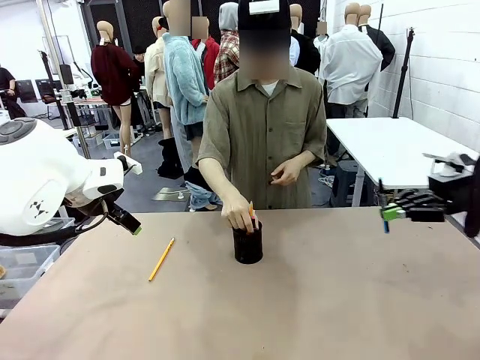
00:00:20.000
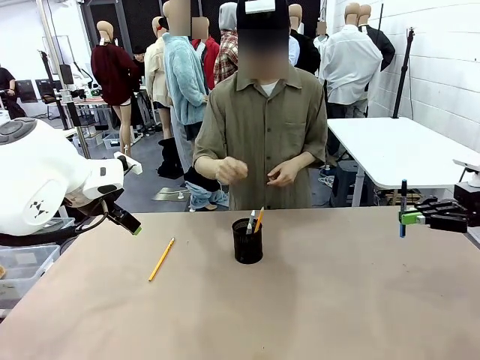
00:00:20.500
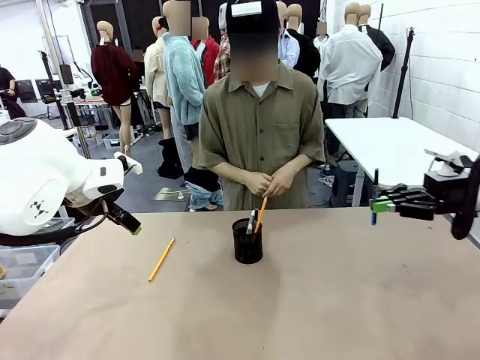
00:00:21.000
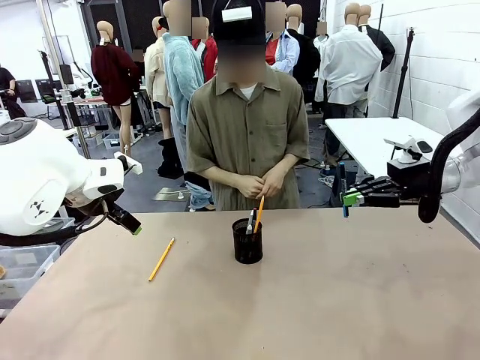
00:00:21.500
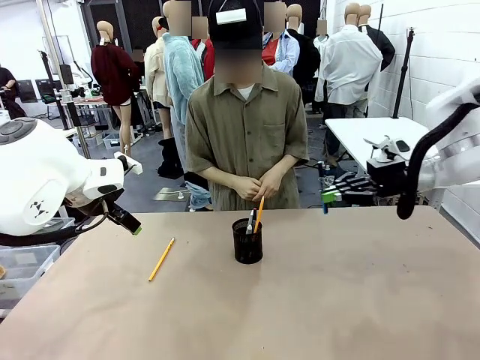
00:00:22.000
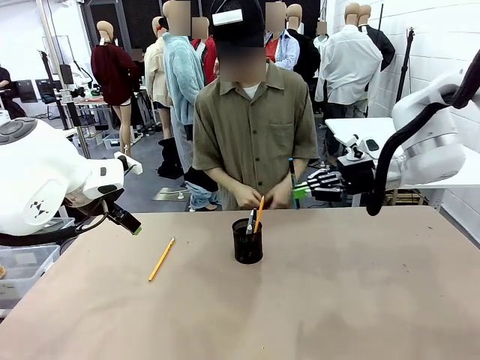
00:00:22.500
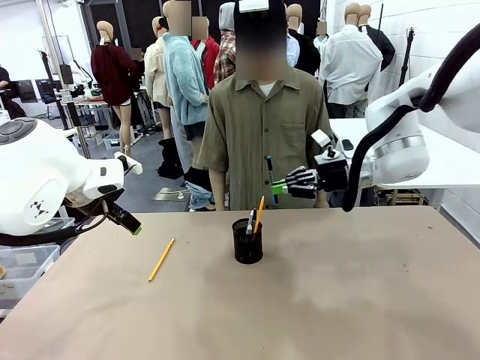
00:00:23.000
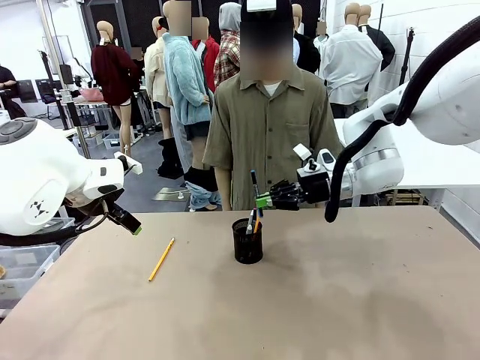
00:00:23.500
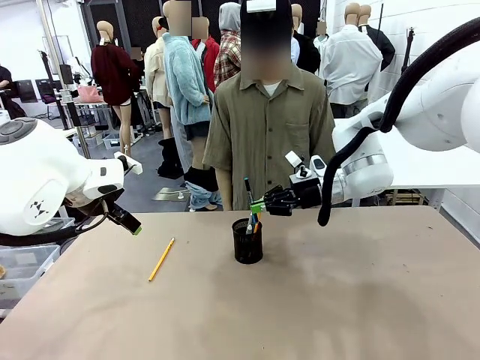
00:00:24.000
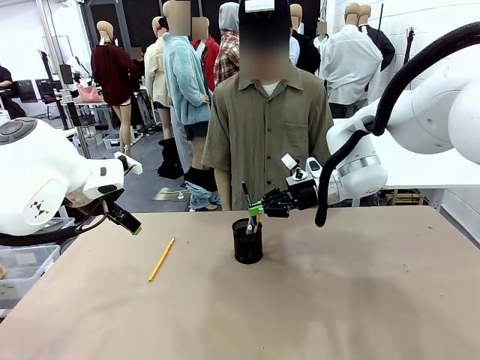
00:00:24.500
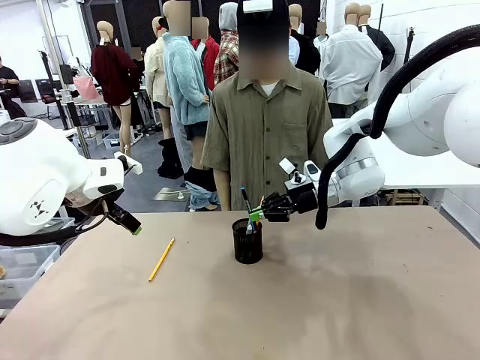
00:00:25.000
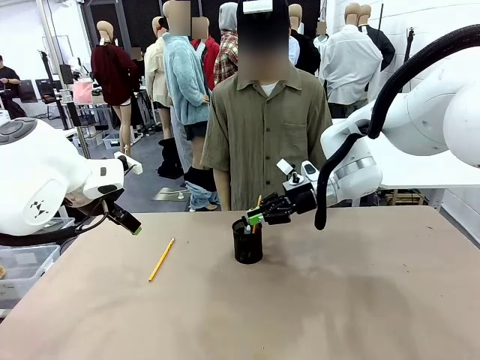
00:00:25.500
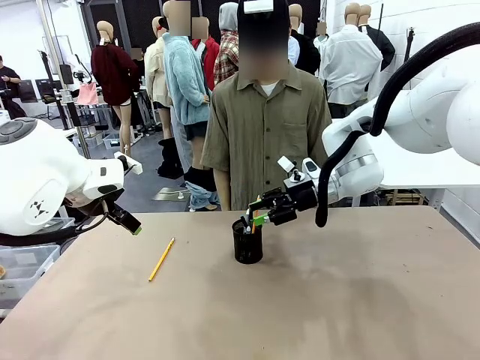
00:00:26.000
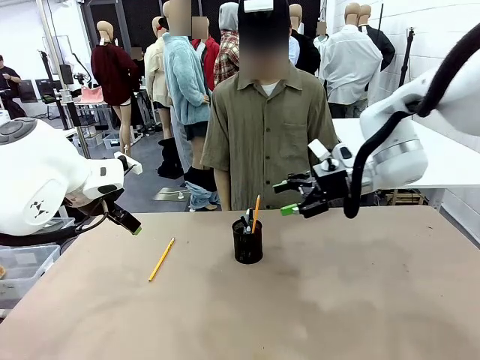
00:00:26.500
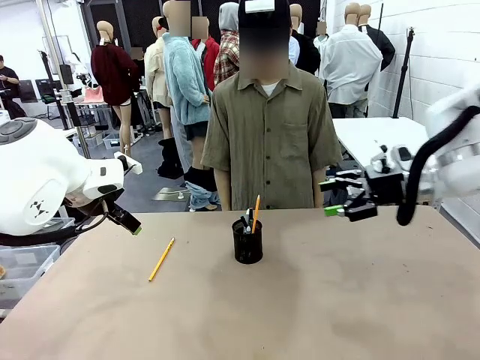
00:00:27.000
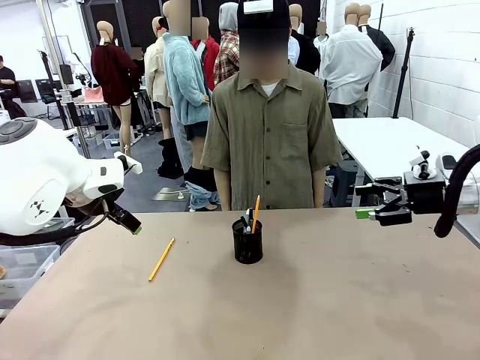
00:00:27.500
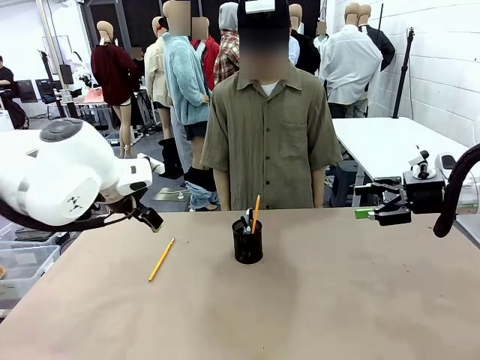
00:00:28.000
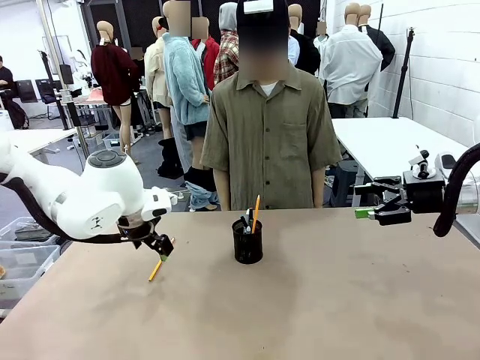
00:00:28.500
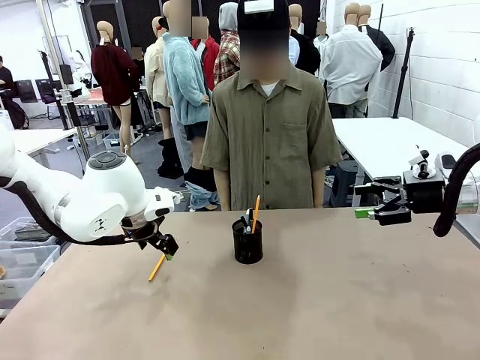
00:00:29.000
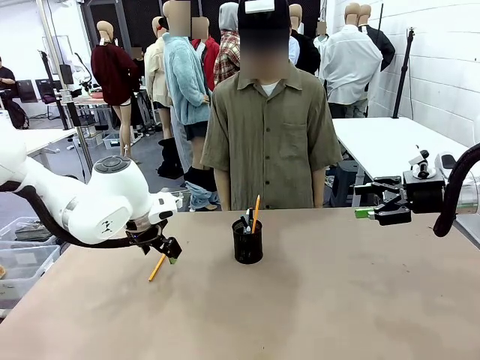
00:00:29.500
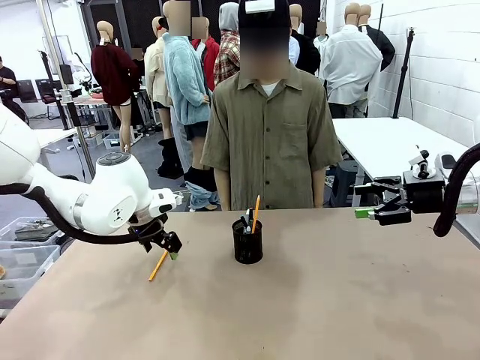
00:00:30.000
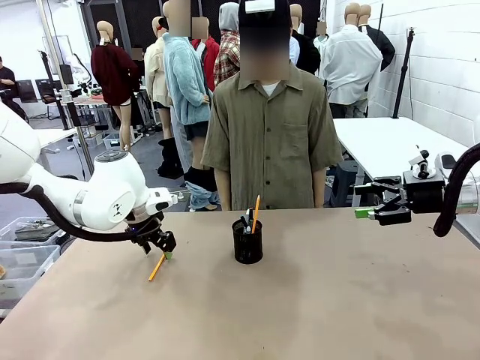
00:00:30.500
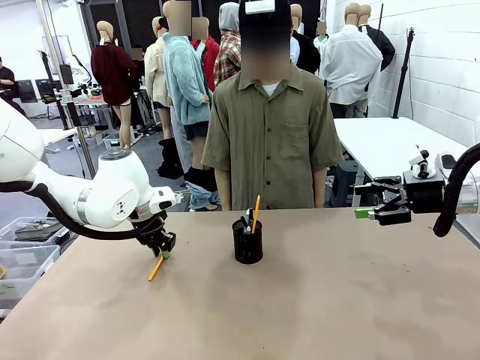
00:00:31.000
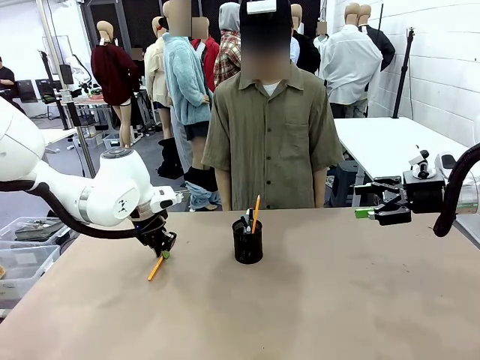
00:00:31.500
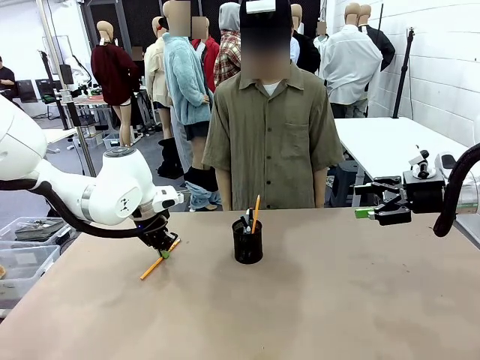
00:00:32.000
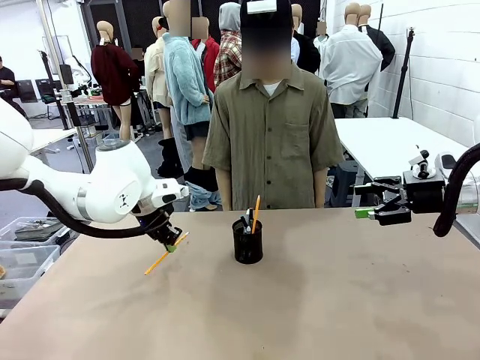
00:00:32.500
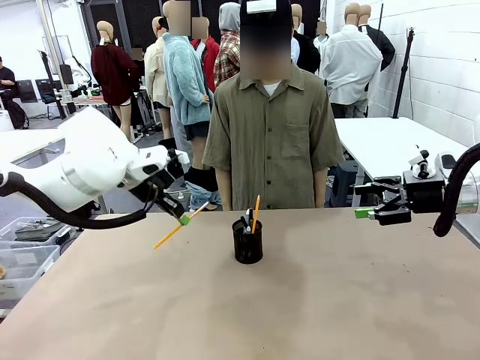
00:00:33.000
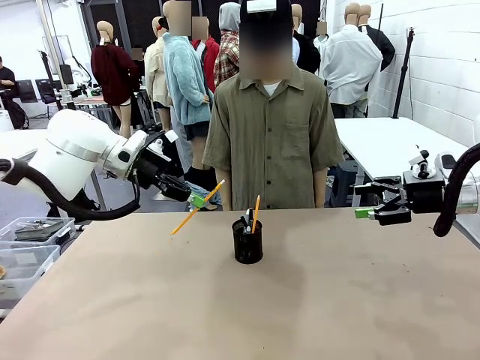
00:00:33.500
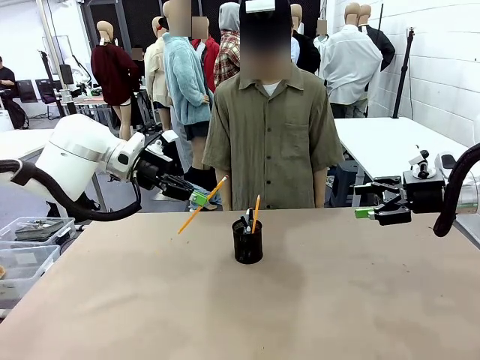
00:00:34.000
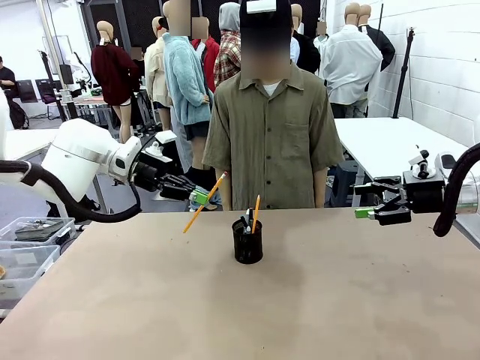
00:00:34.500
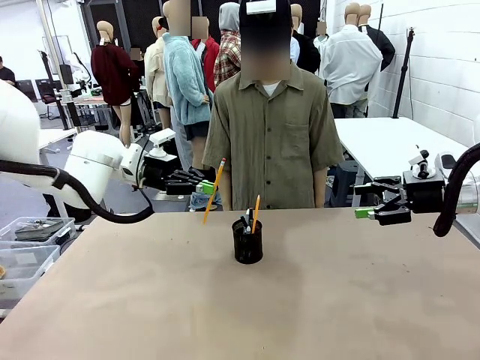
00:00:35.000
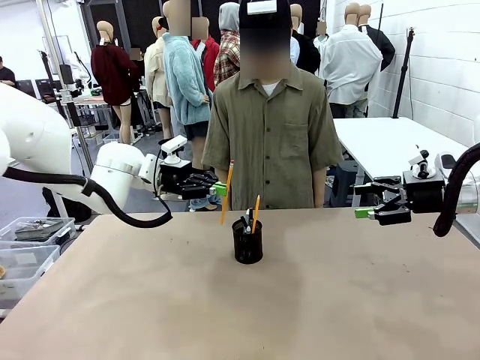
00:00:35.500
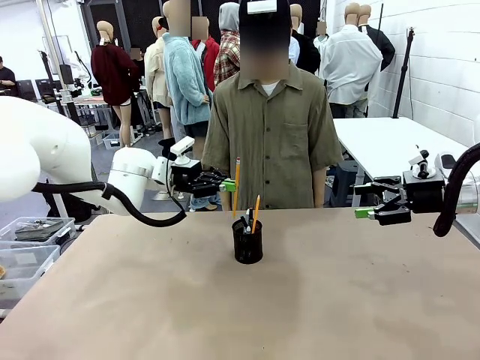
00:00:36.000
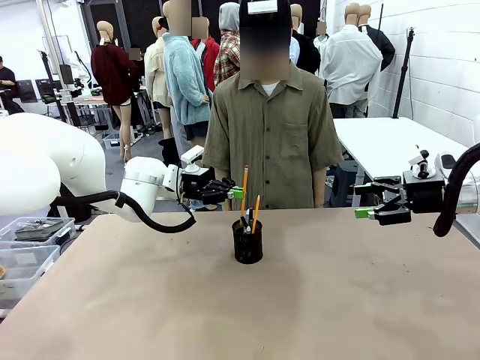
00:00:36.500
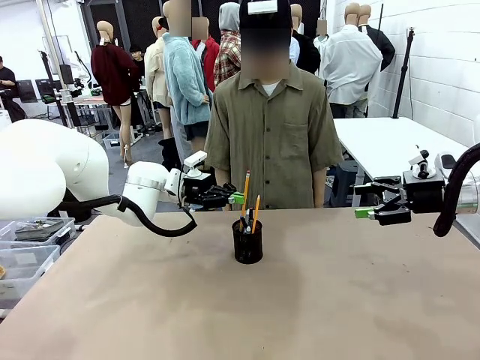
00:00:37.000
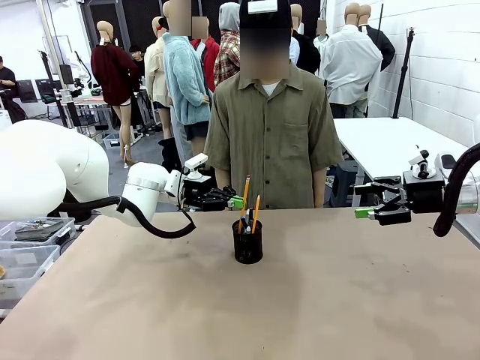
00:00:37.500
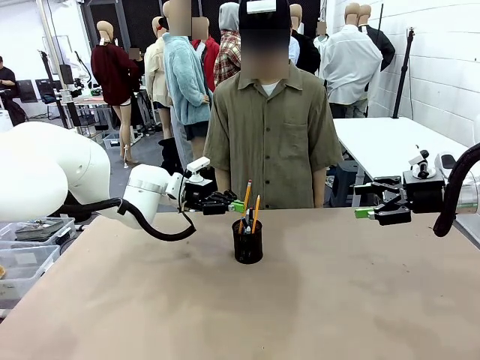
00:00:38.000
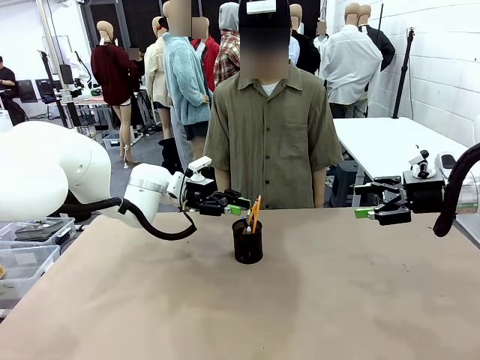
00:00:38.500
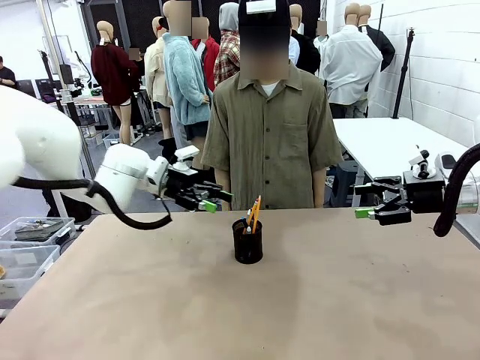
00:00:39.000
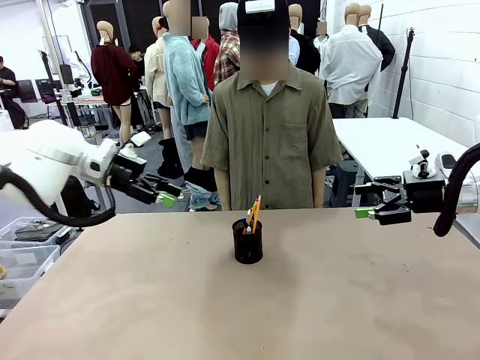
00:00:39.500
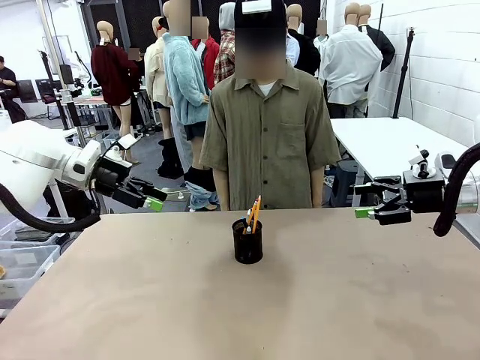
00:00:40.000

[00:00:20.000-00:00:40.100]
Task: Place the pens into the pen holder.
Robot: Pick up a writing instrument from the table and place it into the Pen holder.
Person: Place all writing instrument into the Pen holder.
